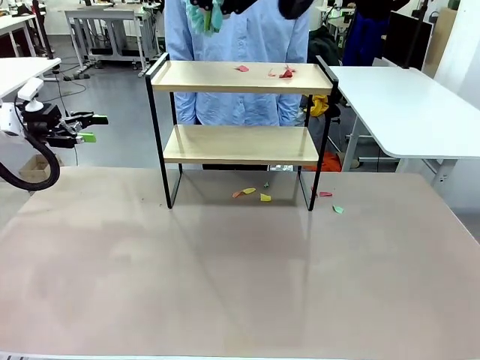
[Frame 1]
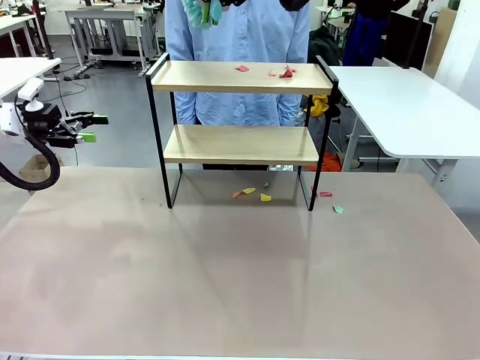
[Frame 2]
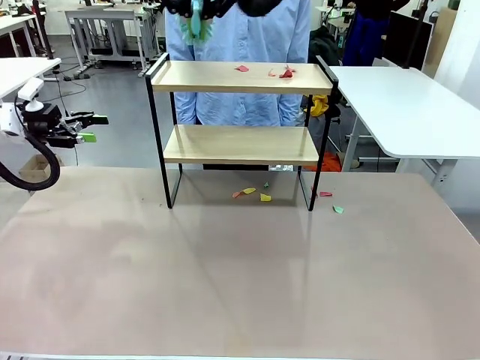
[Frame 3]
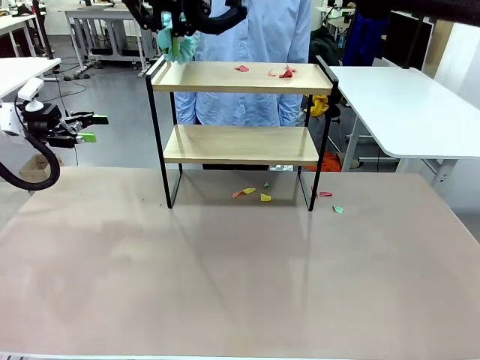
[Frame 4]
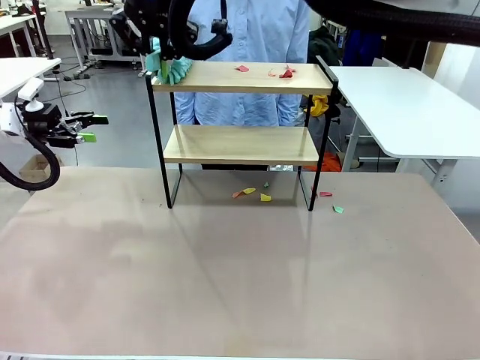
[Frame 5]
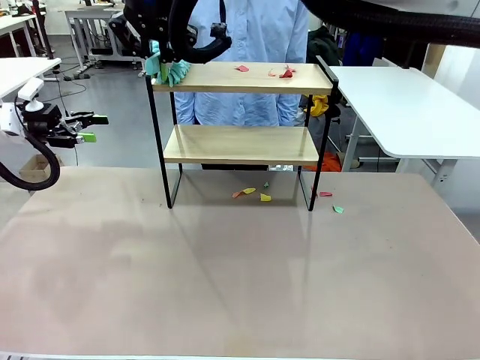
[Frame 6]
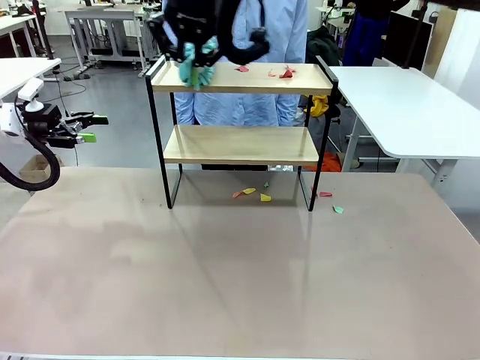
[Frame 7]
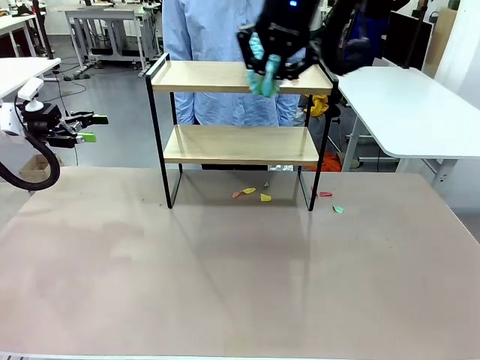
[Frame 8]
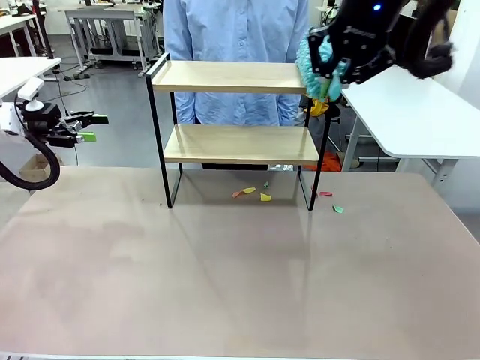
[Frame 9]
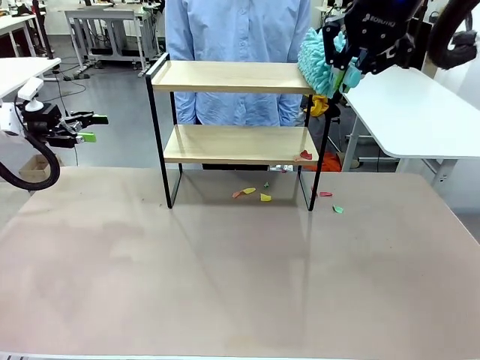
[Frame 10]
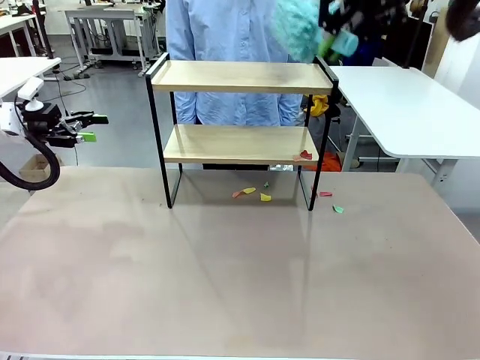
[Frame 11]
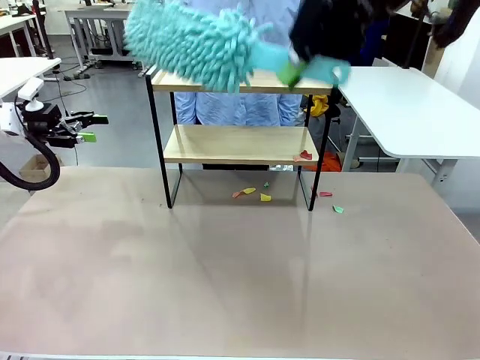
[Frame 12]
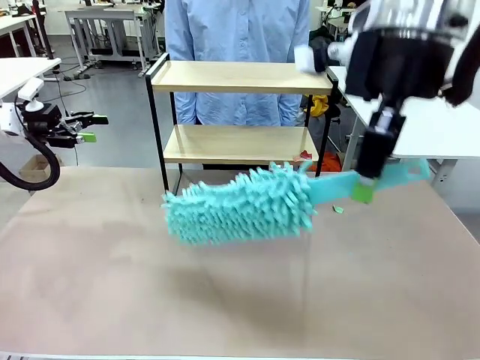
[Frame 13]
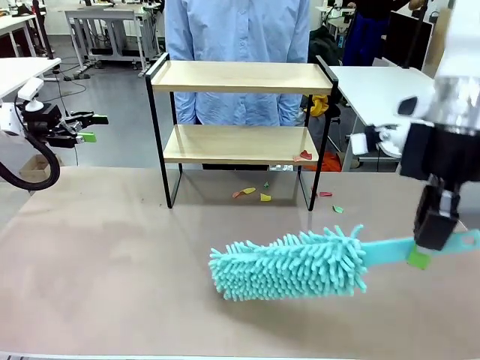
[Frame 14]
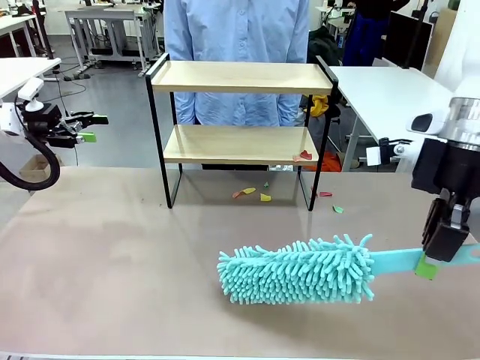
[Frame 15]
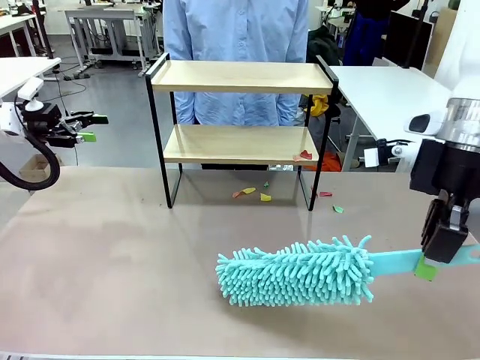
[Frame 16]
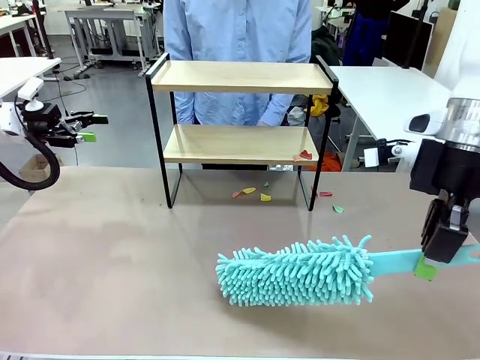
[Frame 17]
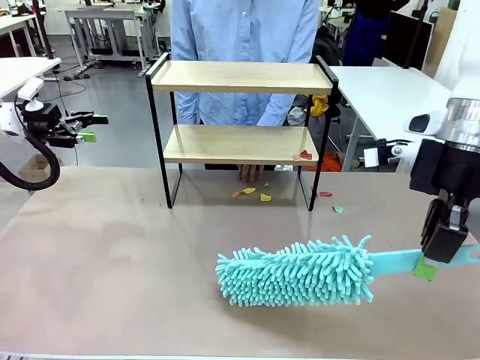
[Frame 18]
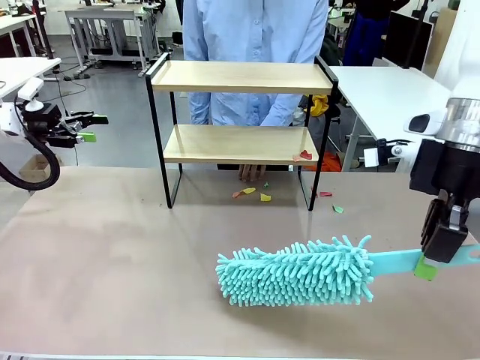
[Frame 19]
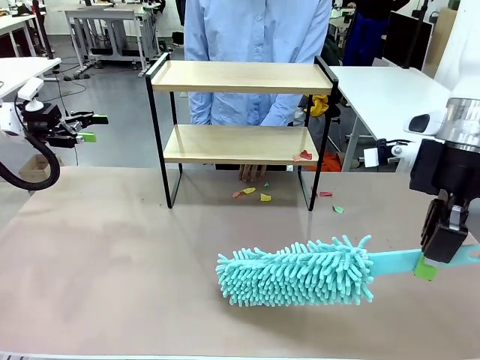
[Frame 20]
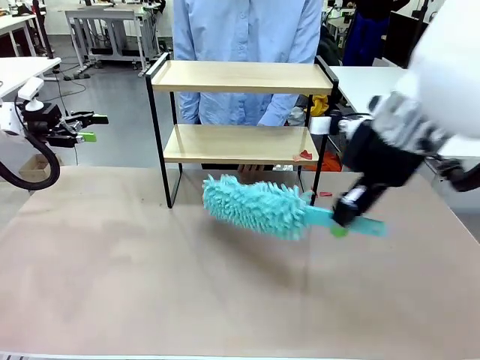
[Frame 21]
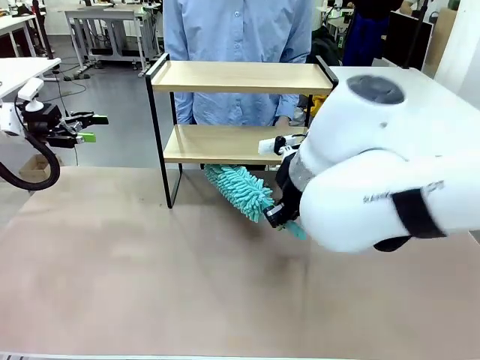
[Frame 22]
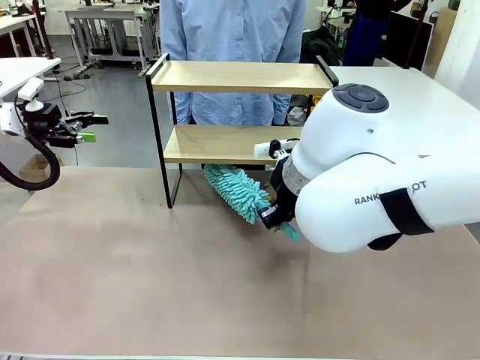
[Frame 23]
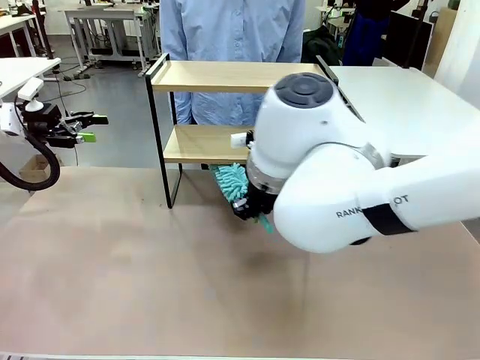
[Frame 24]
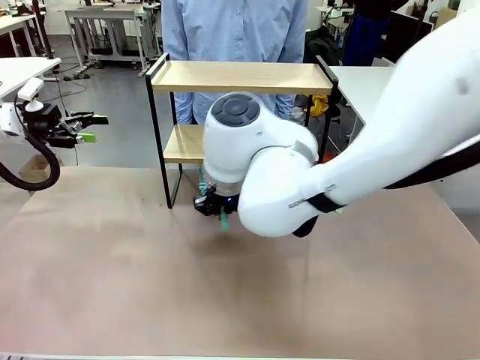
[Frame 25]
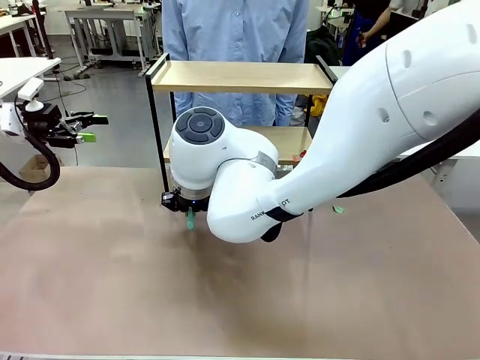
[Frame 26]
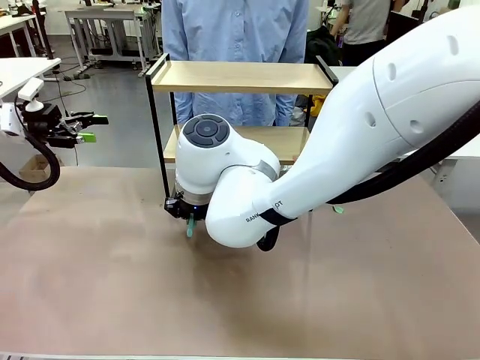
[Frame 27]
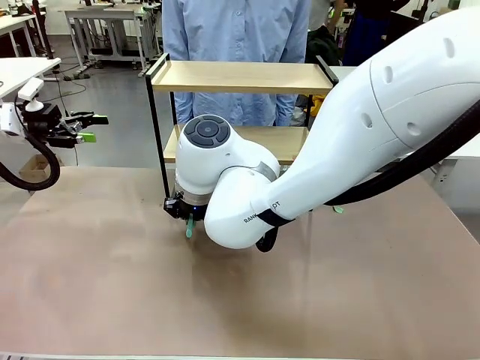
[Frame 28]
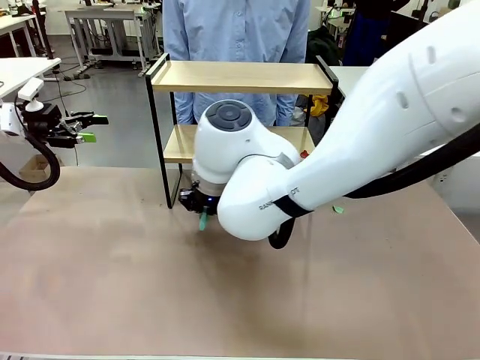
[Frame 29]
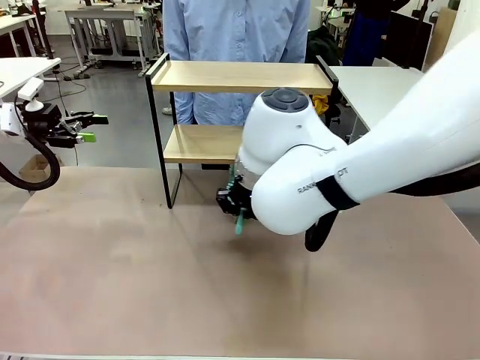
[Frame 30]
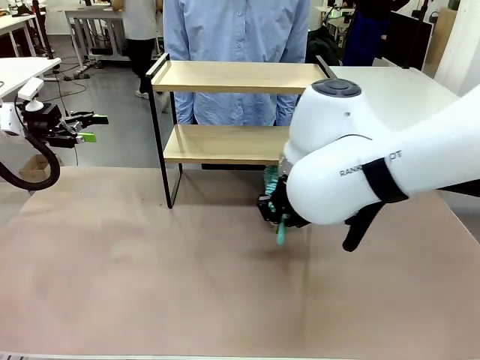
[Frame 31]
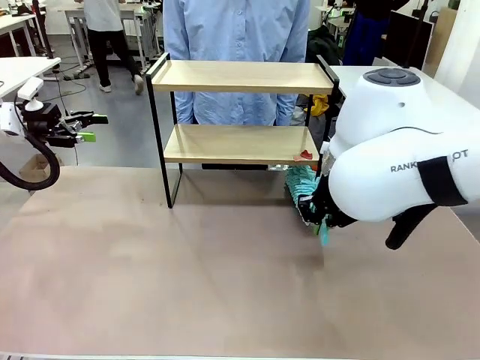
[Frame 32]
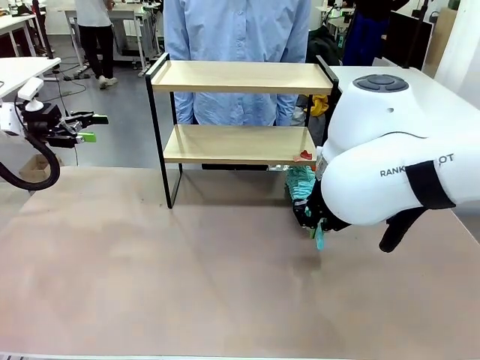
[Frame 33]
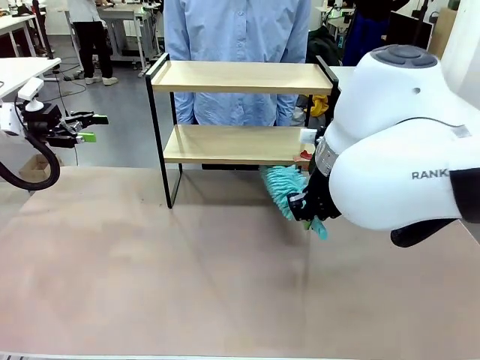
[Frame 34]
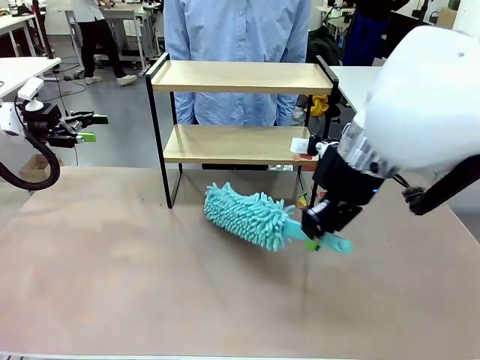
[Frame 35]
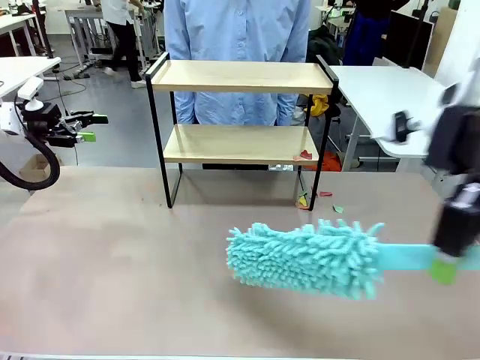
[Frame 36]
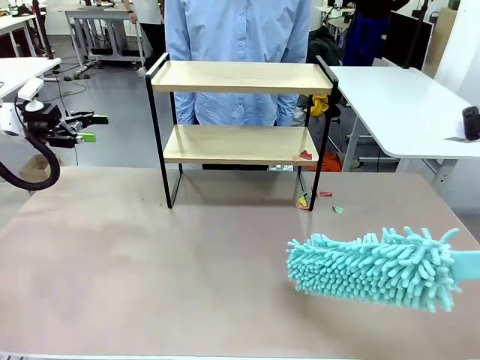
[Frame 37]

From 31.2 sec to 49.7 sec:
Task: Clean the shelf.
Robot: Clean the specific section of the Shelf indicated by the human with the Duster.
Person: Point a remaining section of the Shelf.

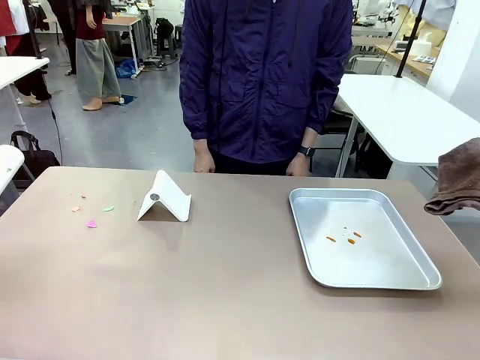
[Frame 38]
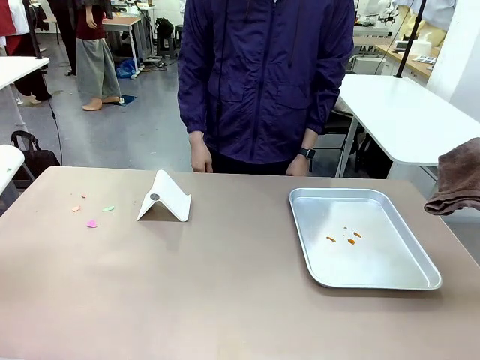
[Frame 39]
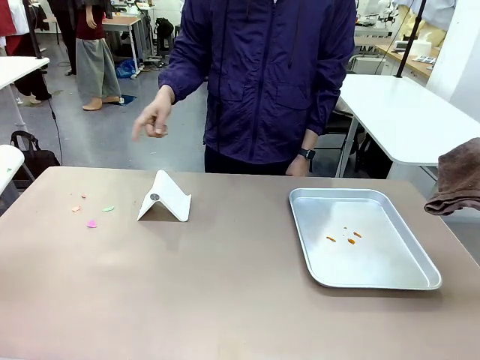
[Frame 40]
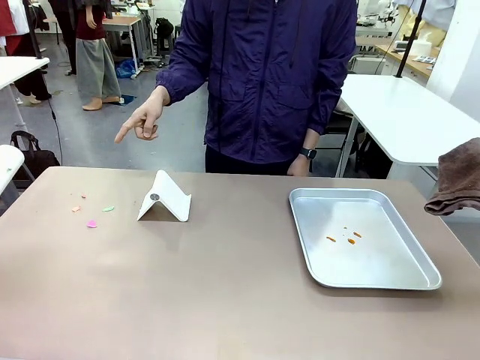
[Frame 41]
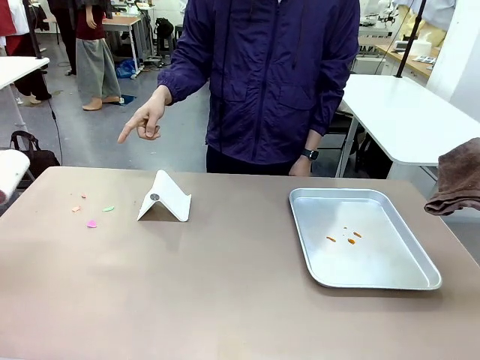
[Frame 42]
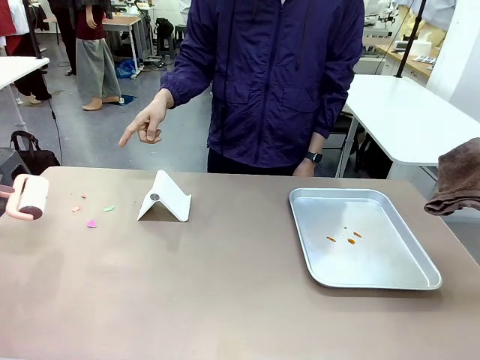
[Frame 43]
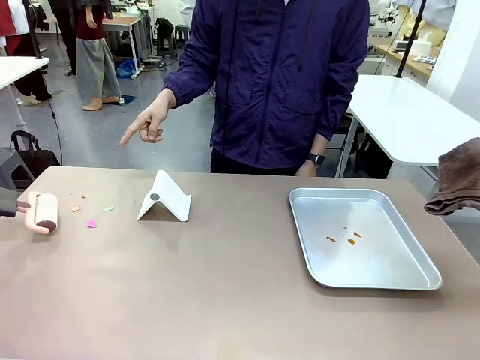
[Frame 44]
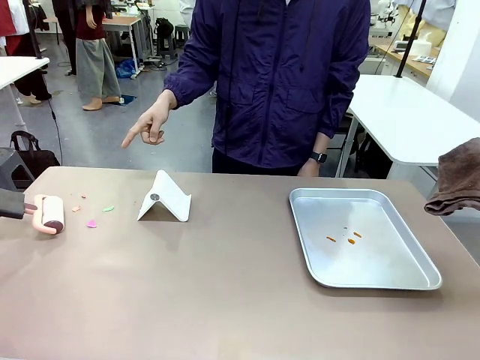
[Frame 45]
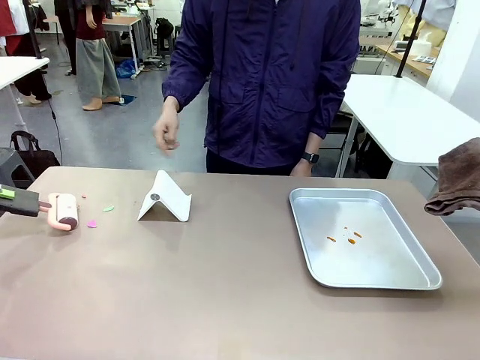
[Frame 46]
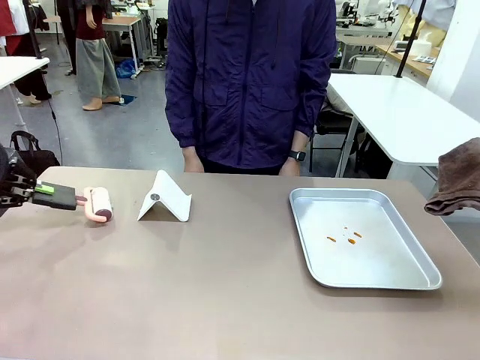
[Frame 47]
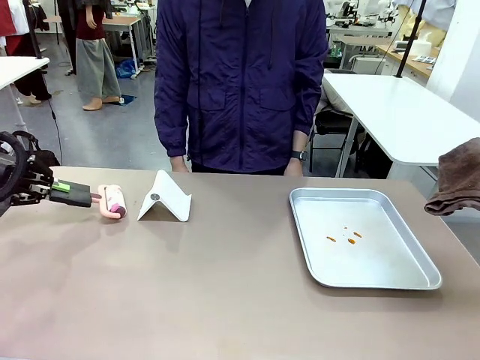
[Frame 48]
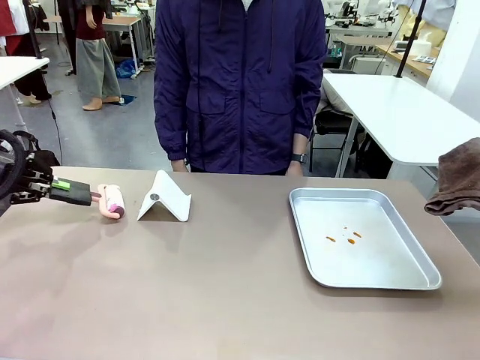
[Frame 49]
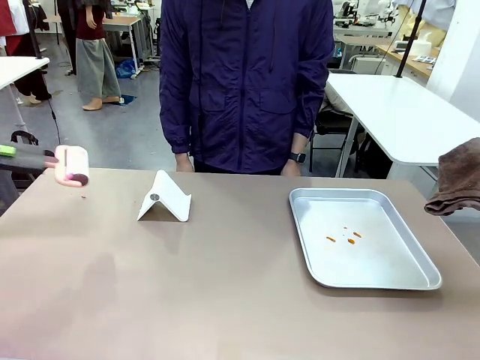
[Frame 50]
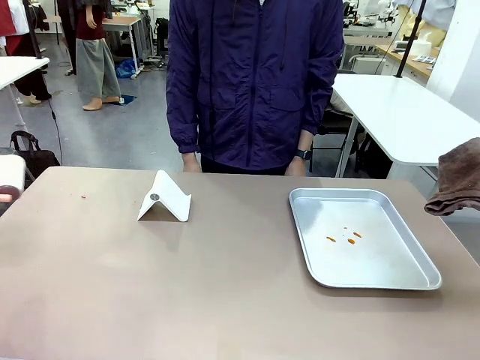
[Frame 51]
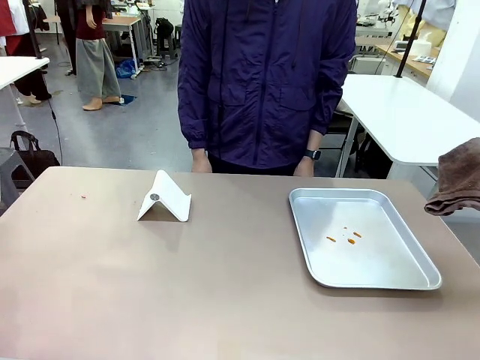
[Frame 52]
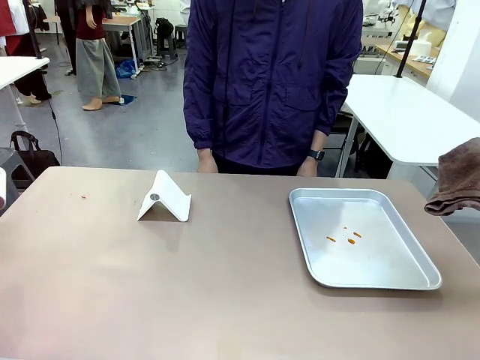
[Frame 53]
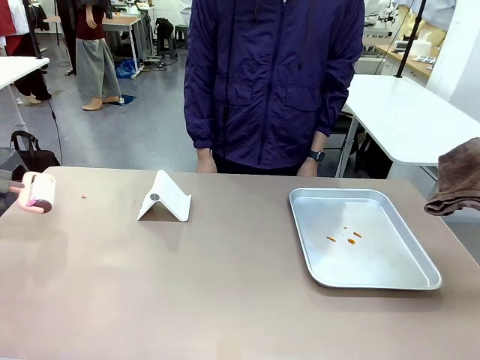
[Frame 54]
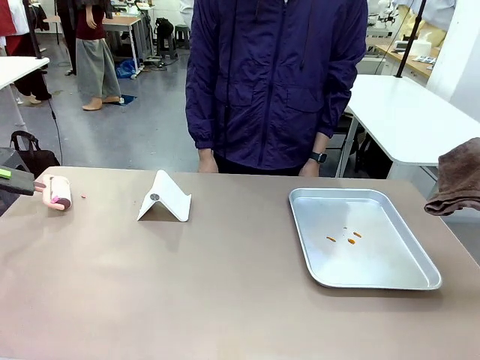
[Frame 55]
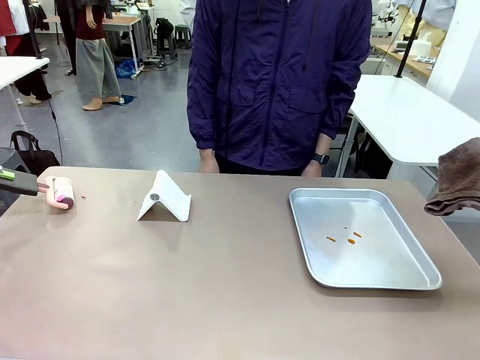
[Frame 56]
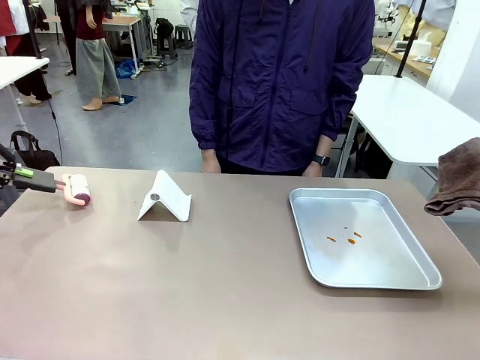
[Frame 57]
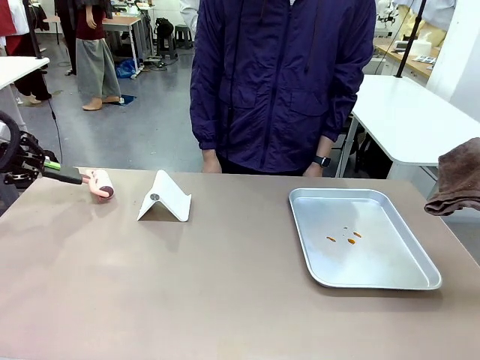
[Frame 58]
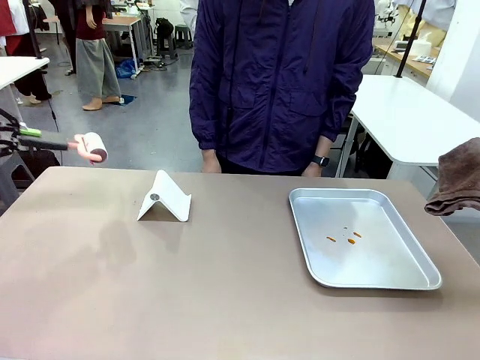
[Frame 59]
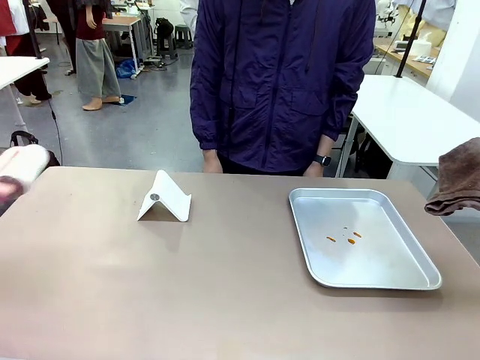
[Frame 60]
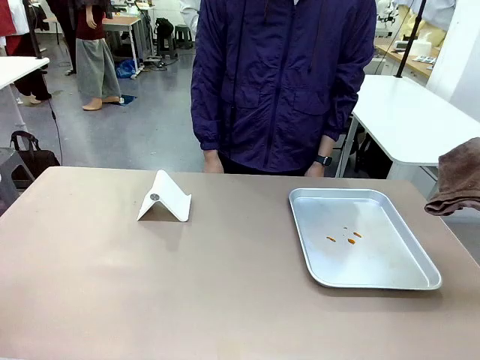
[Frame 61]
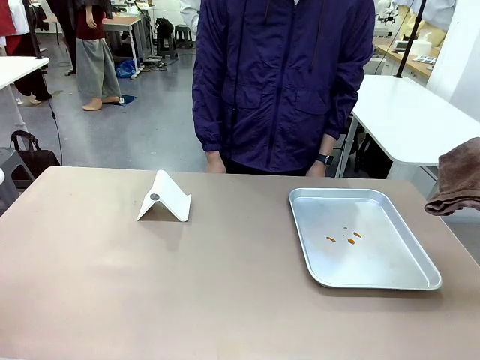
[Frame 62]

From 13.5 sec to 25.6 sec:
Task: Clean the surface of the table.
Robot: If a person points to the right, clean the right side of the table with your right hand, and if they point to the left, clean the left side with your left hand.
